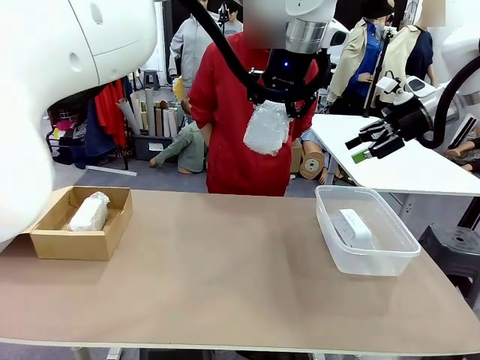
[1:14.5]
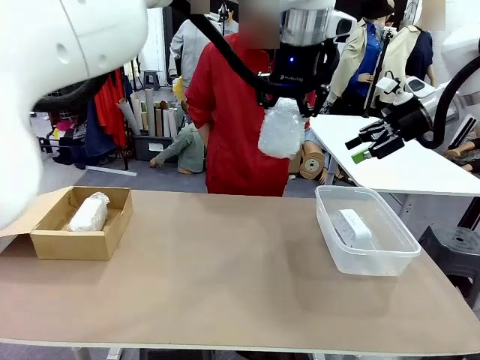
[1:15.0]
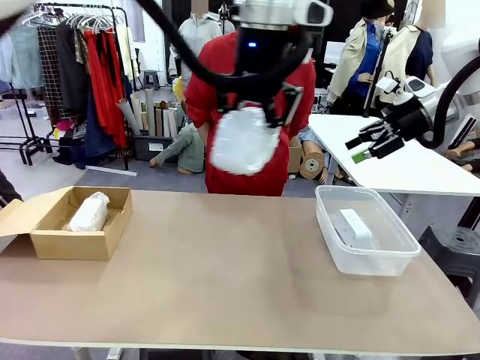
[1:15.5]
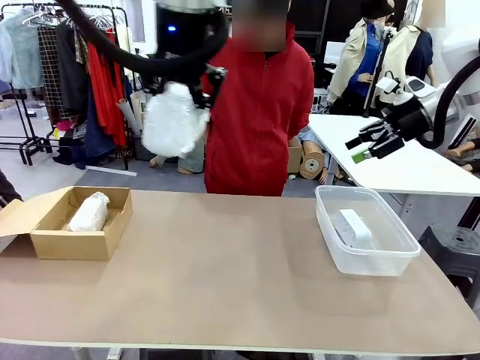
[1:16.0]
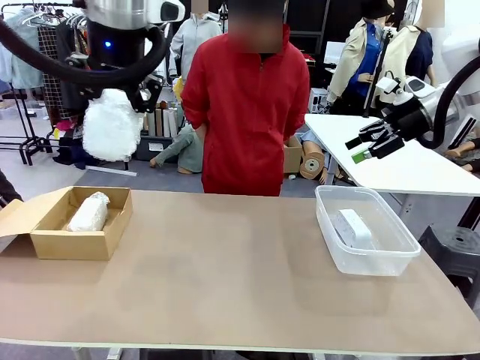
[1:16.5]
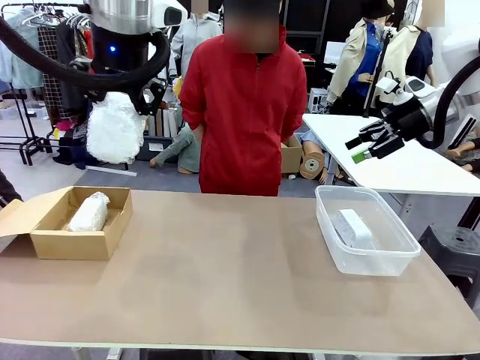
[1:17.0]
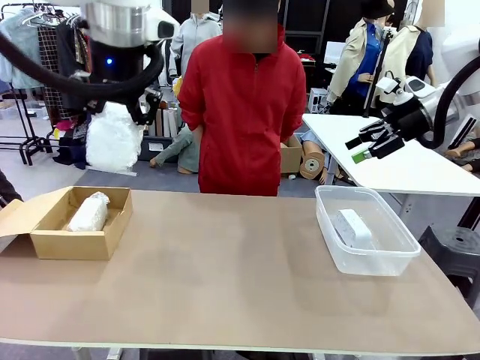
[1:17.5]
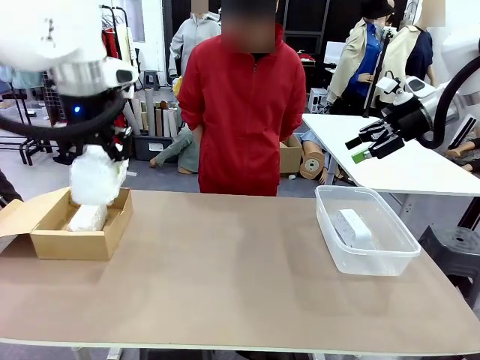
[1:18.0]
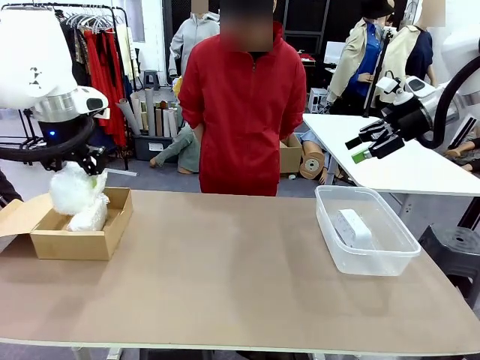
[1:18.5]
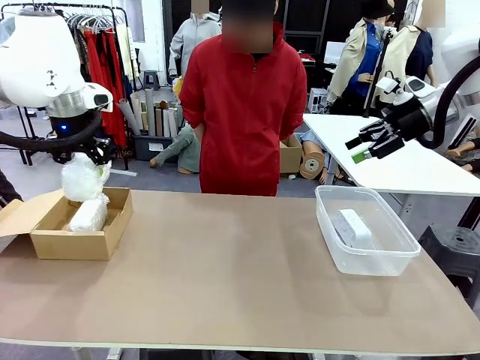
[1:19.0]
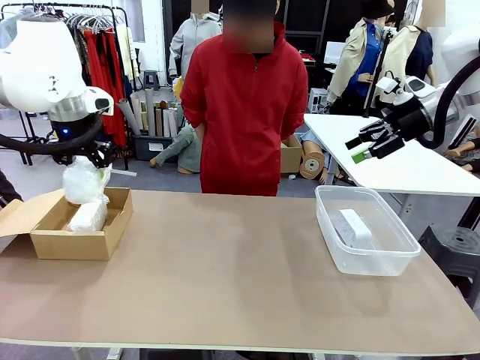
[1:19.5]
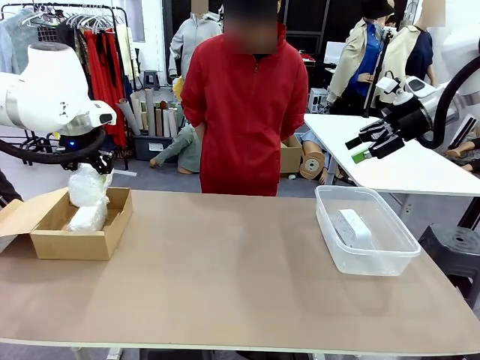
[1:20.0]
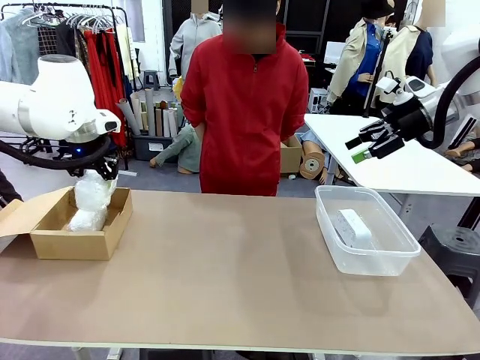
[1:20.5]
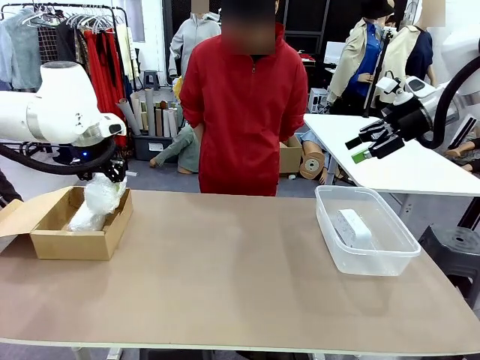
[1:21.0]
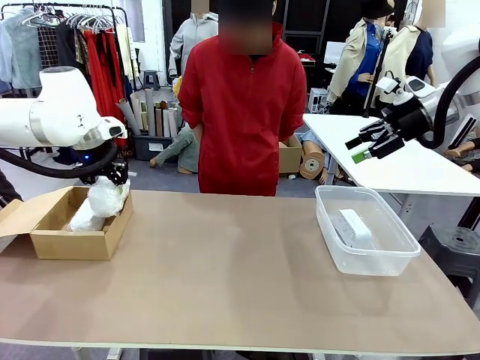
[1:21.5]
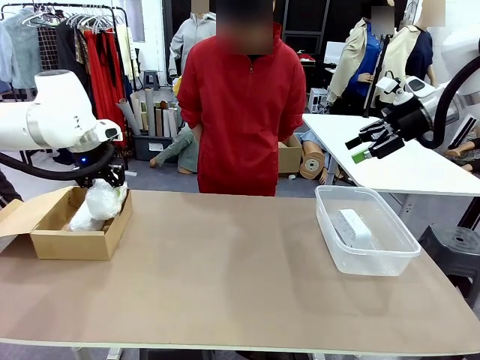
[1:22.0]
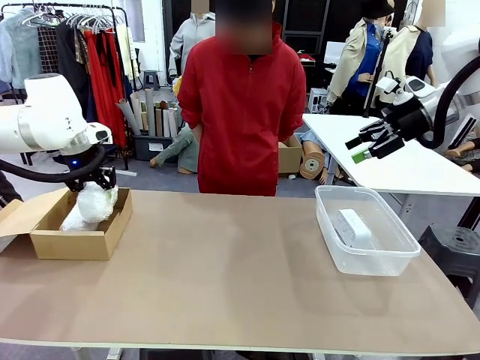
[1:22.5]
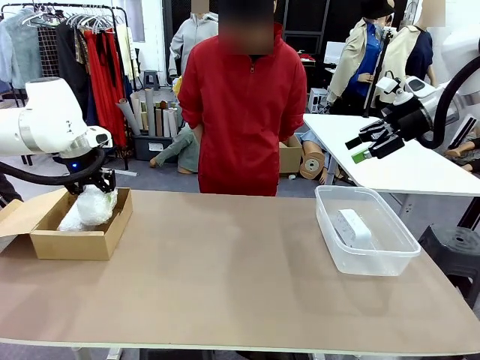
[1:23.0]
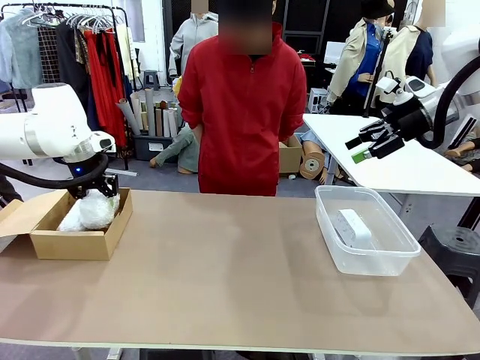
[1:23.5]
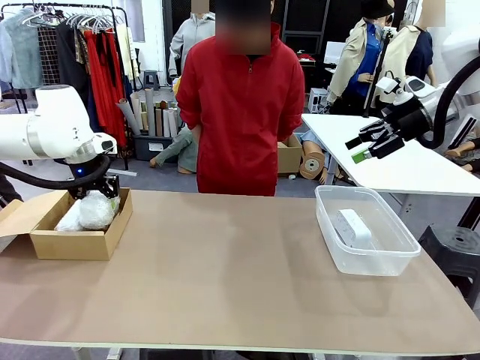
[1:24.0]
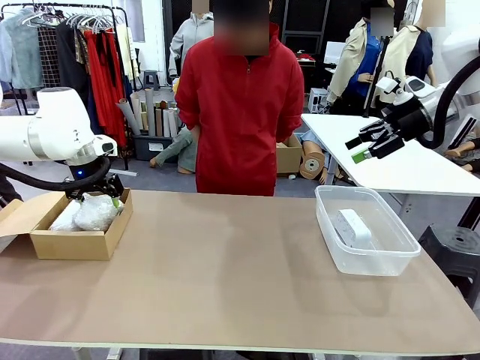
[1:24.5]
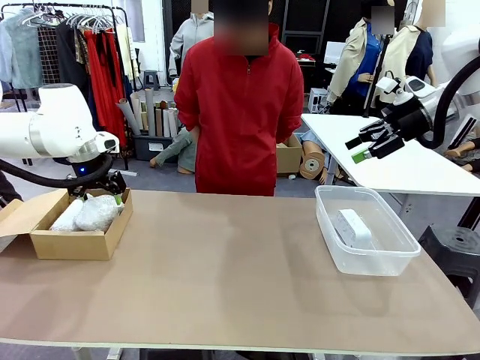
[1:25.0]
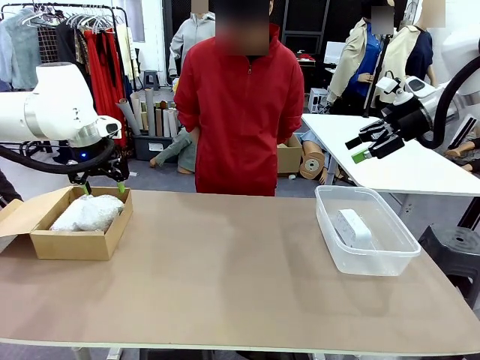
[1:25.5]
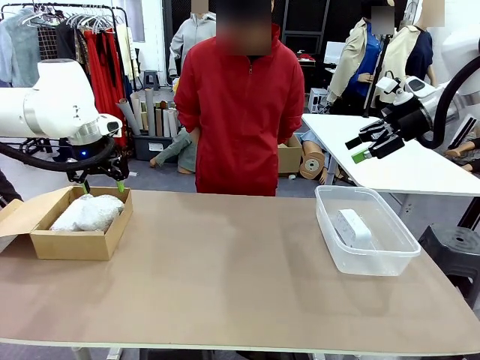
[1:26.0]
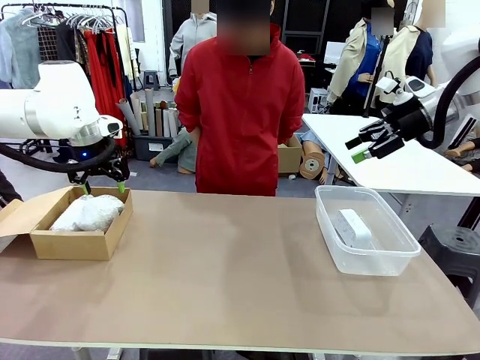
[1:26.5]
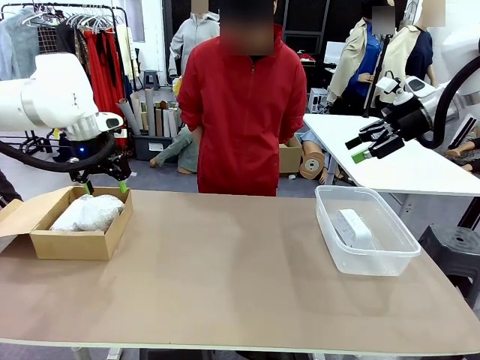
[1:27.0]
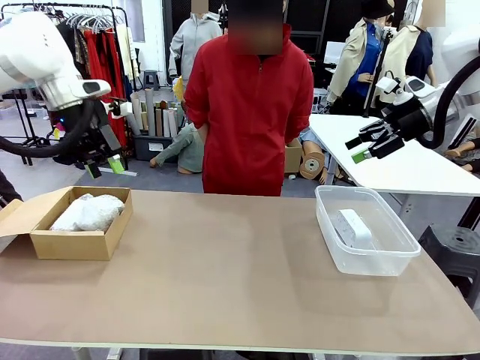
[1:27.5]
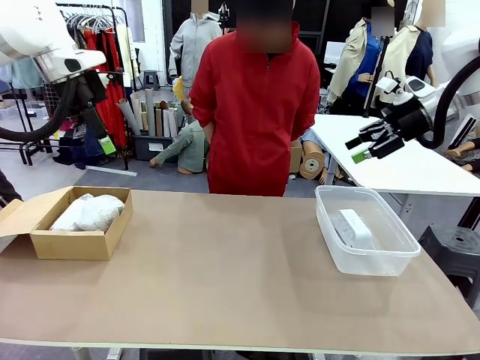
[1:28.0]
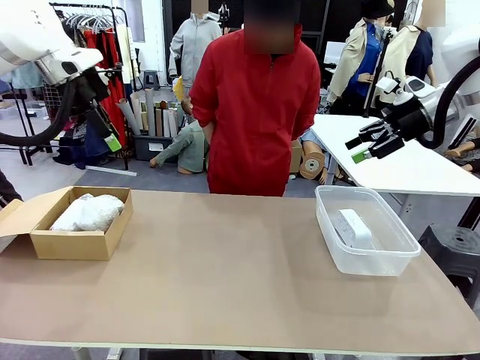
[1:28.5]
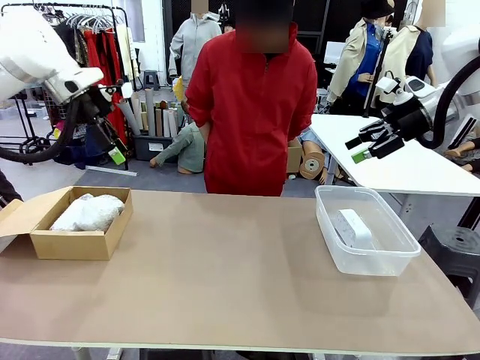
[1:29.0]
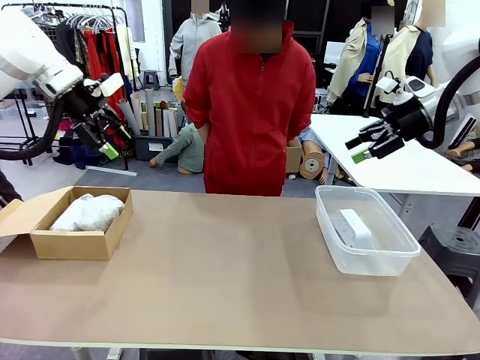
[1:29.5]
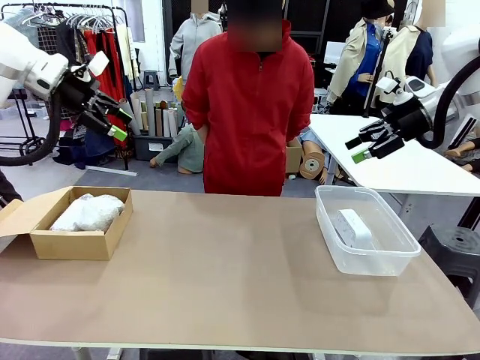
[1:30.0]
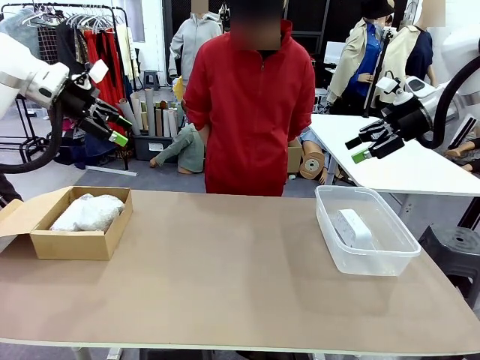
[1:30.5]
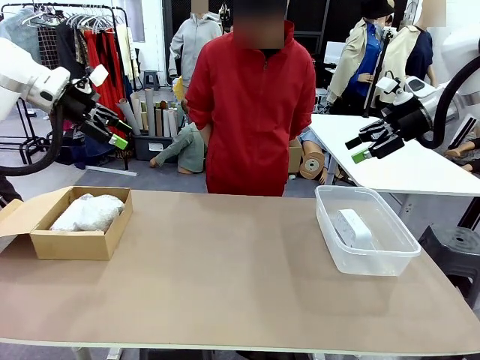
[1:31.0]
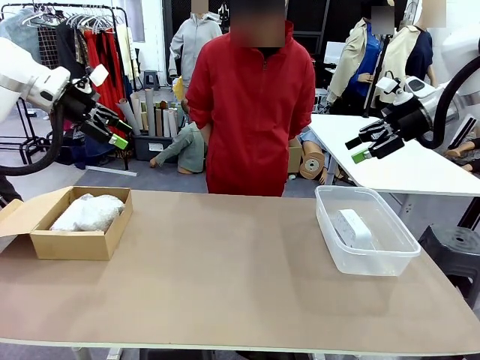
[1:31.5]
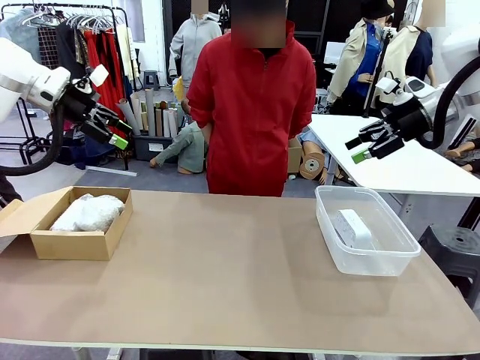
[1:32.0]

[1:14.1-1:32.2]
Task: Separate and place wrapped and unwrapped clocks.
Robot: If the picked Digital clock is wrapped, place it in the Package Box ; if not, place it in the Organizing box.

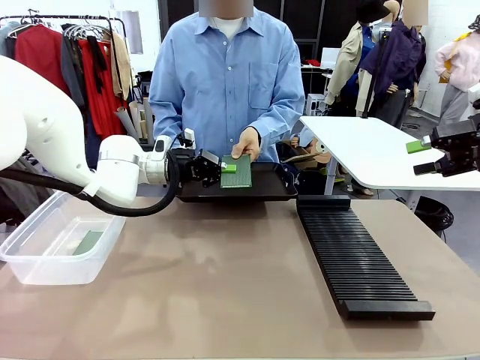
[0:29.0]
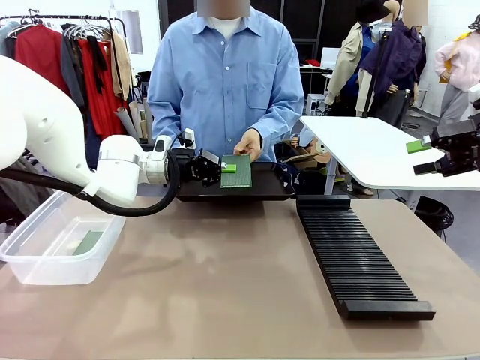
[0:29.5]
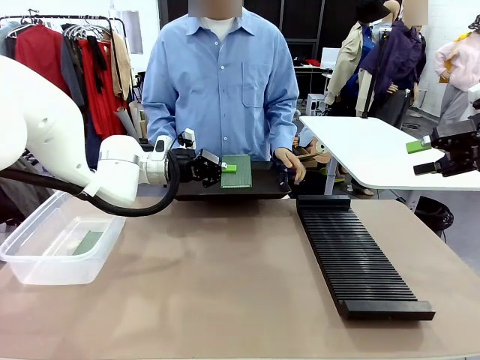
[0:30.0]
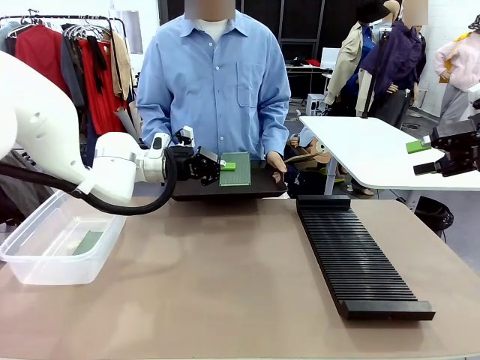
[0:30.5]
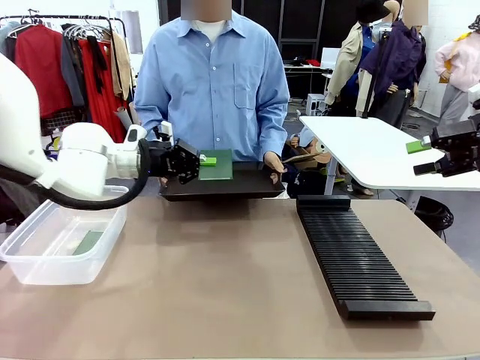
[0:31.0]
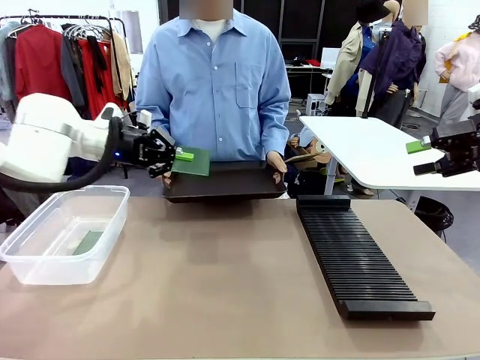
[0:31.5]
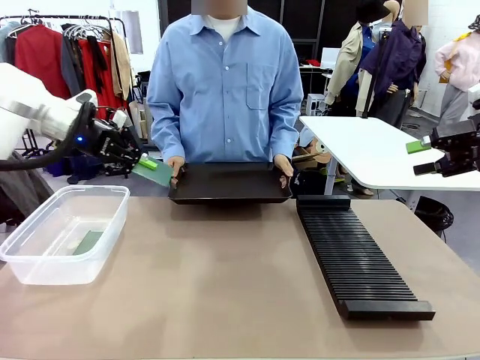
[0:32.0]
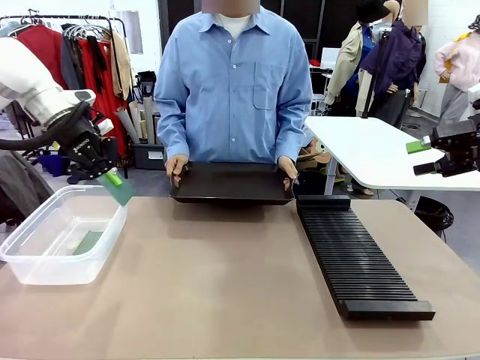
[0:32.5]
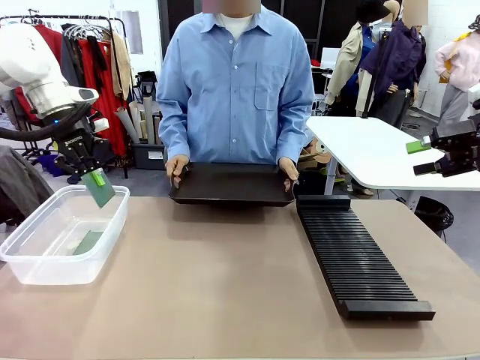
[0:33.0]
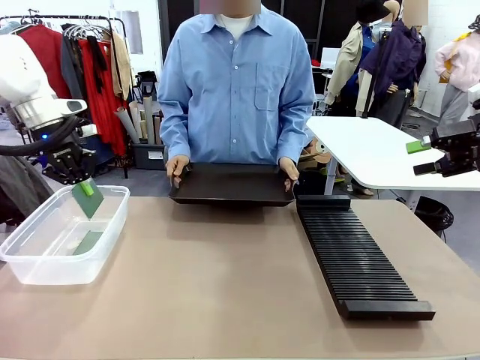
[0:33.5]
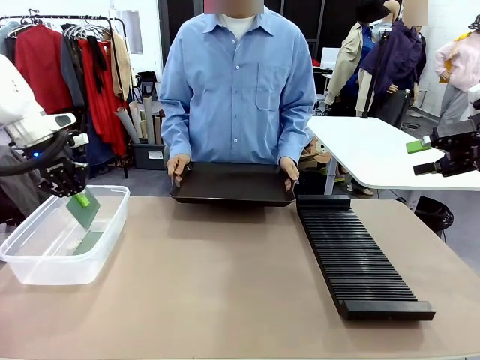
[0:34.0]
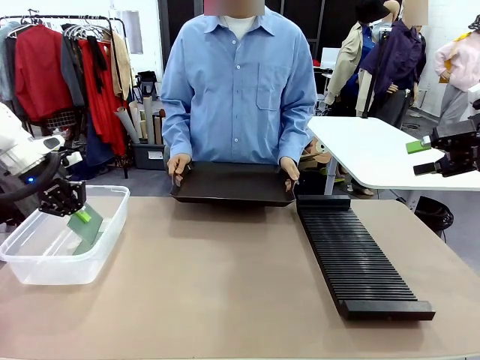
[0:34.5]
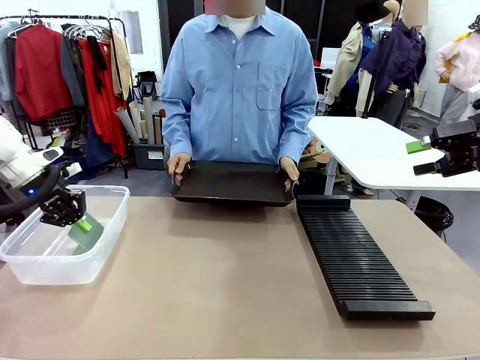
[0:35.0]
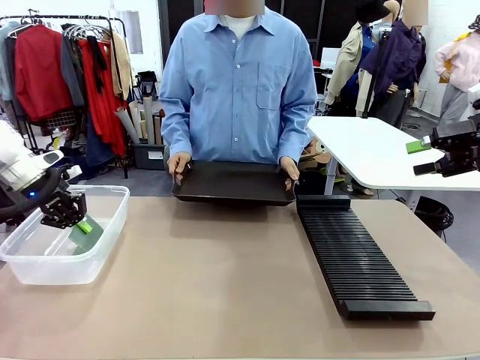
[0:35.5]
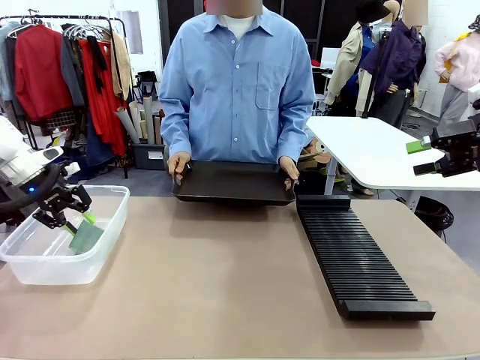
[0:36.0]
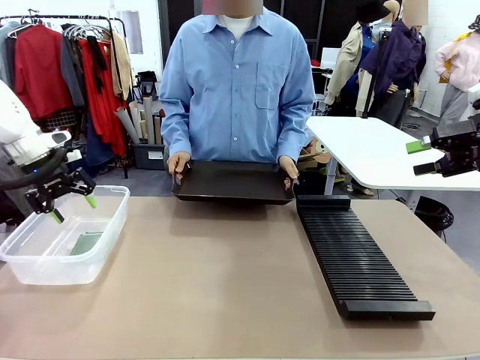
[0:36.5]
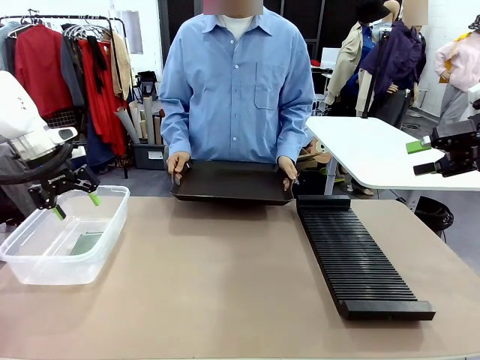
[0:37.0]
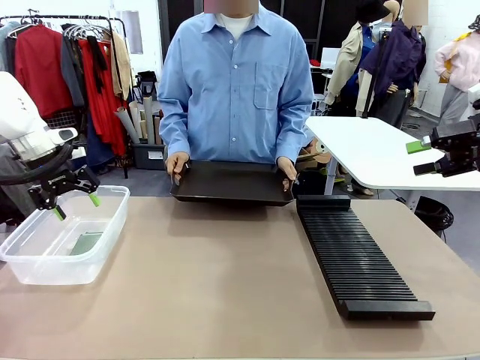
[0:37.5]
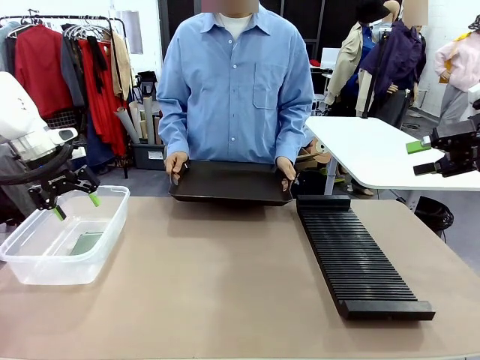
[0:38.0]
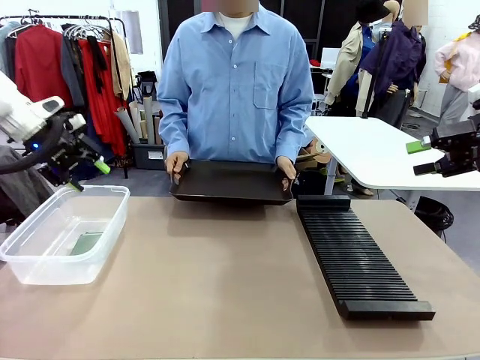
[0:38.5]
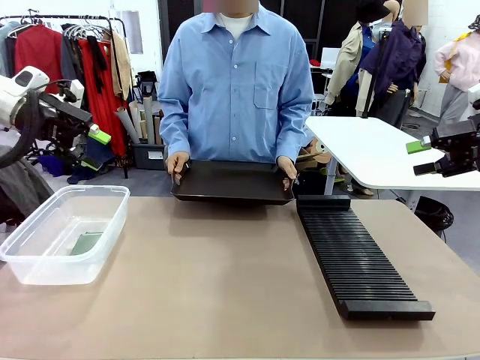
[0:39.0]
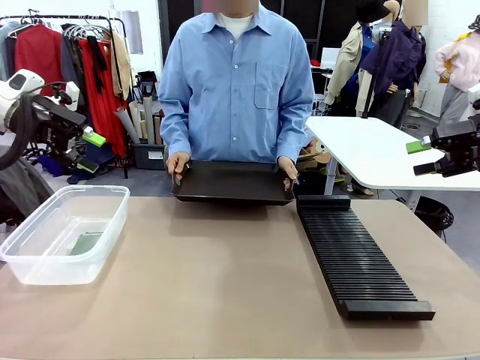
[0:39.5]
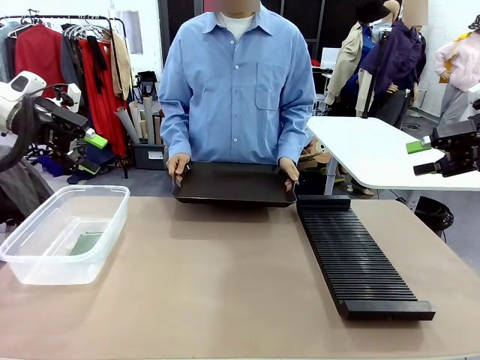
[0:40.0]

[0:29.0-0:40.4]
Task: Sort PCBs into racks and boxes based on the side picked up.
Robot: If the short side of the Blank PCB is picked up, insert it into the PCB Rack ; if the long side is picked up, place it in the Organizing box.
Person: Release the PCB being held.
